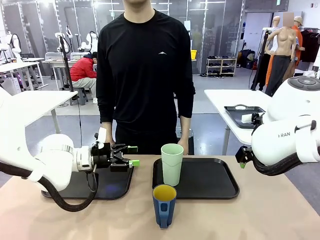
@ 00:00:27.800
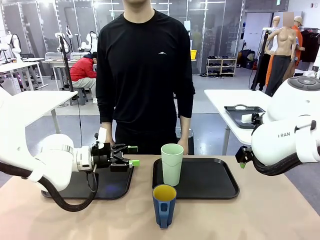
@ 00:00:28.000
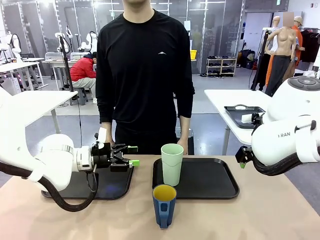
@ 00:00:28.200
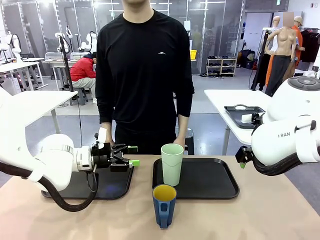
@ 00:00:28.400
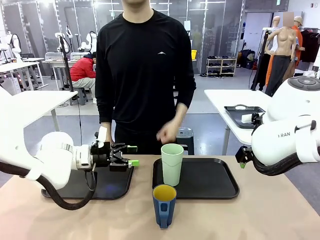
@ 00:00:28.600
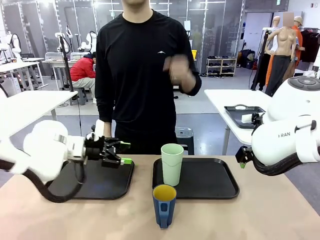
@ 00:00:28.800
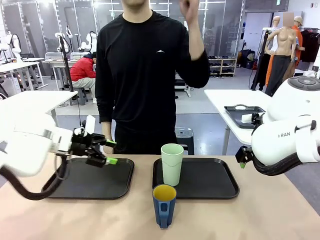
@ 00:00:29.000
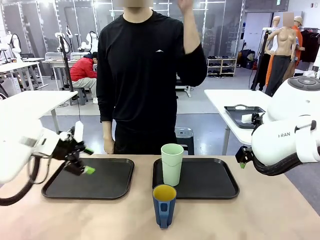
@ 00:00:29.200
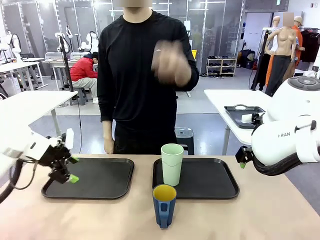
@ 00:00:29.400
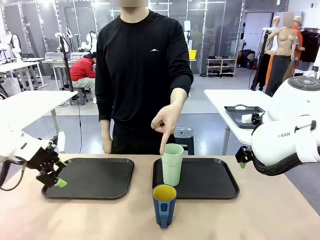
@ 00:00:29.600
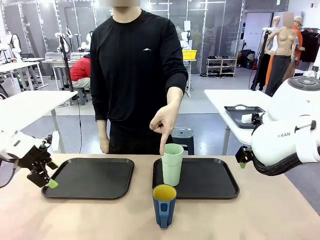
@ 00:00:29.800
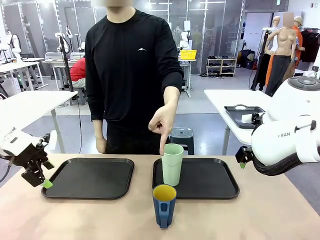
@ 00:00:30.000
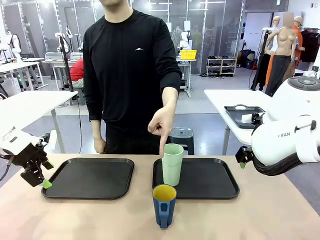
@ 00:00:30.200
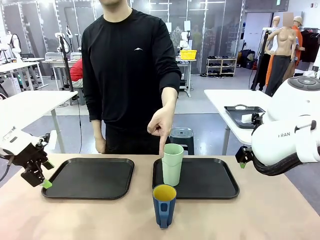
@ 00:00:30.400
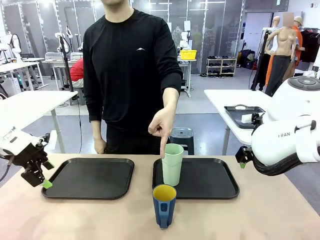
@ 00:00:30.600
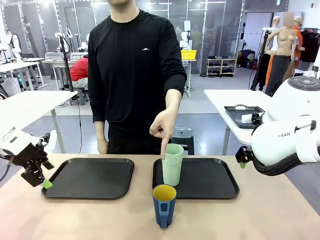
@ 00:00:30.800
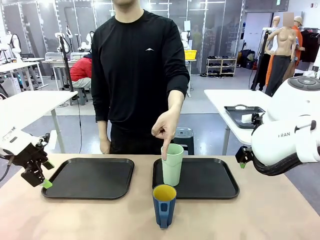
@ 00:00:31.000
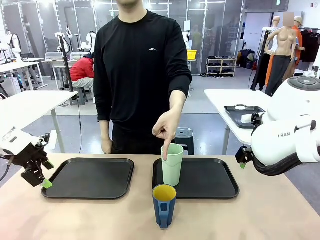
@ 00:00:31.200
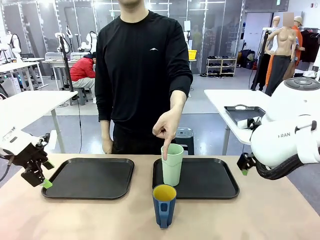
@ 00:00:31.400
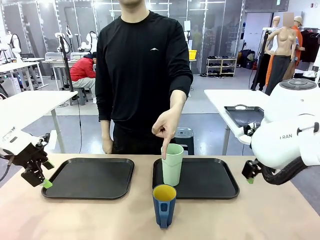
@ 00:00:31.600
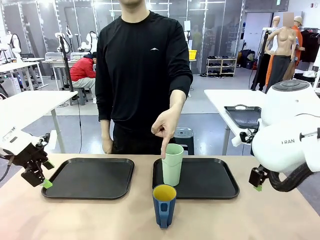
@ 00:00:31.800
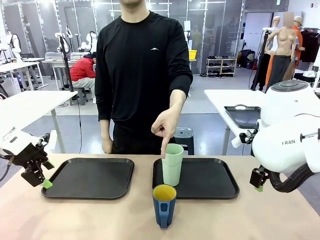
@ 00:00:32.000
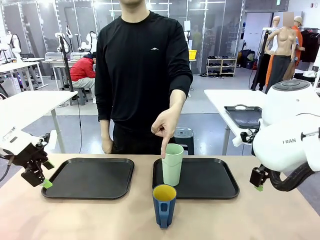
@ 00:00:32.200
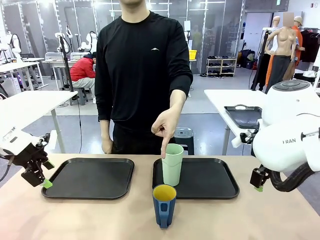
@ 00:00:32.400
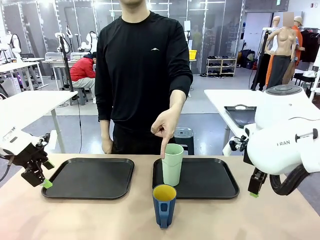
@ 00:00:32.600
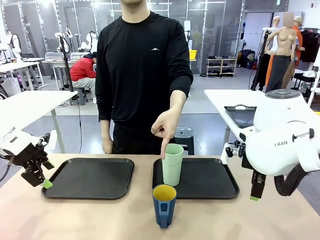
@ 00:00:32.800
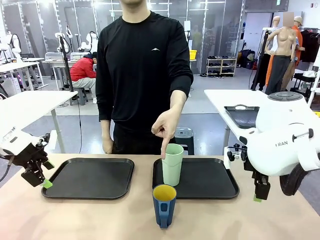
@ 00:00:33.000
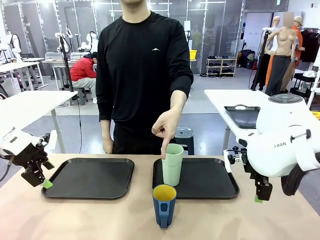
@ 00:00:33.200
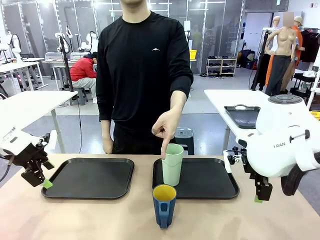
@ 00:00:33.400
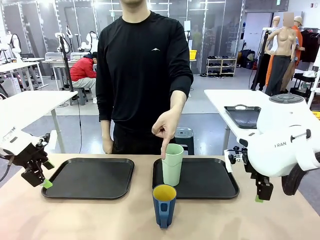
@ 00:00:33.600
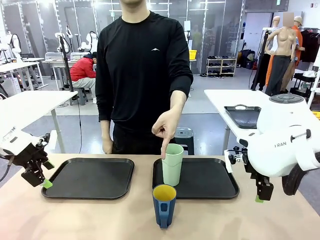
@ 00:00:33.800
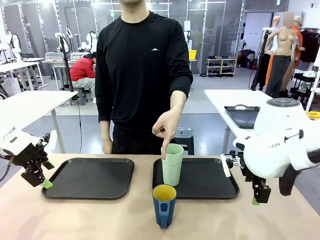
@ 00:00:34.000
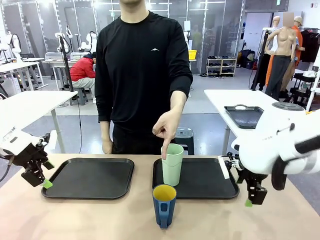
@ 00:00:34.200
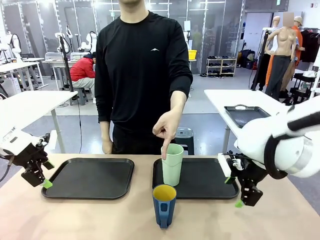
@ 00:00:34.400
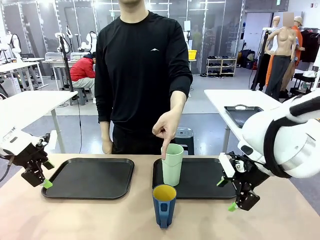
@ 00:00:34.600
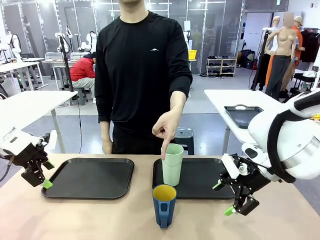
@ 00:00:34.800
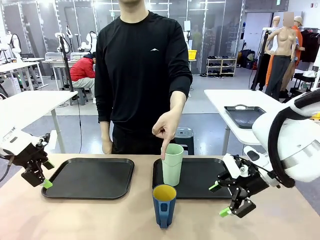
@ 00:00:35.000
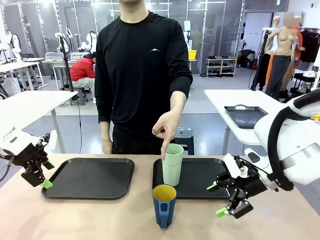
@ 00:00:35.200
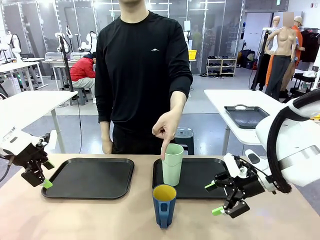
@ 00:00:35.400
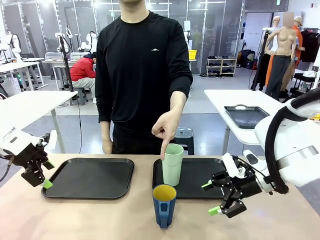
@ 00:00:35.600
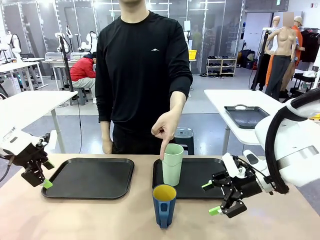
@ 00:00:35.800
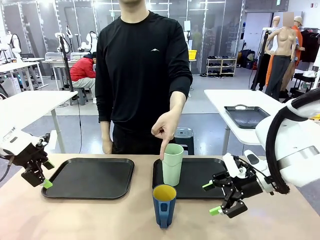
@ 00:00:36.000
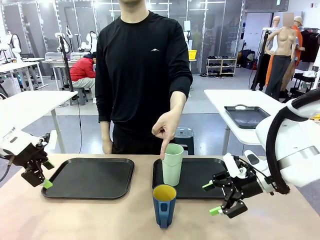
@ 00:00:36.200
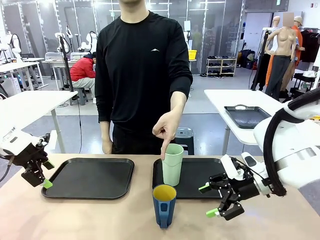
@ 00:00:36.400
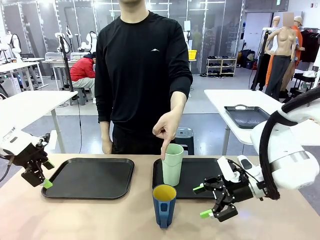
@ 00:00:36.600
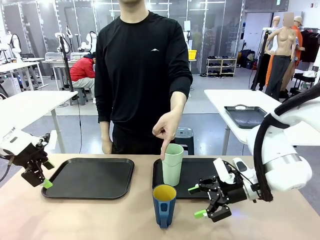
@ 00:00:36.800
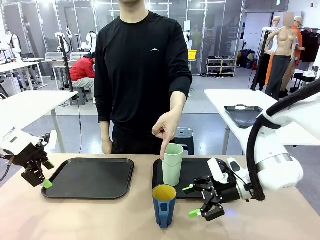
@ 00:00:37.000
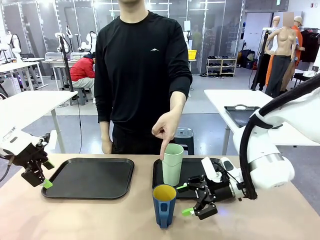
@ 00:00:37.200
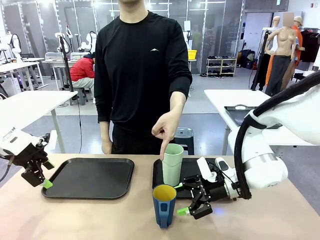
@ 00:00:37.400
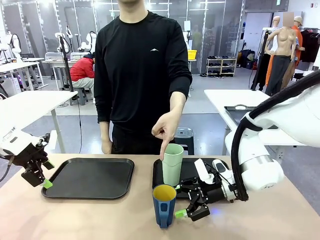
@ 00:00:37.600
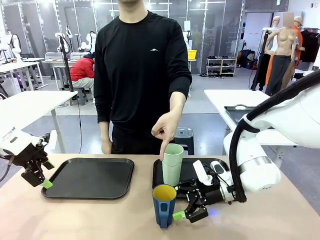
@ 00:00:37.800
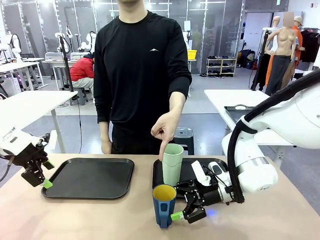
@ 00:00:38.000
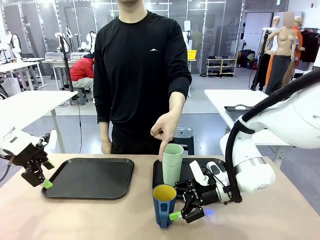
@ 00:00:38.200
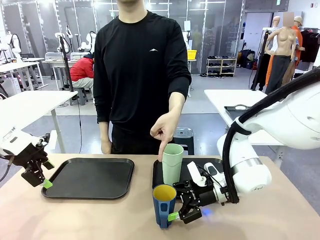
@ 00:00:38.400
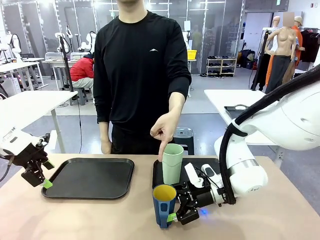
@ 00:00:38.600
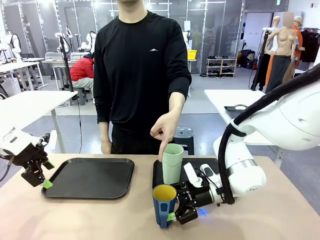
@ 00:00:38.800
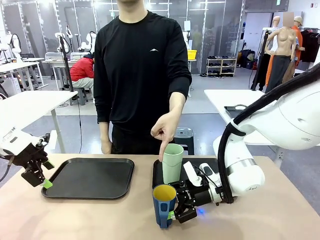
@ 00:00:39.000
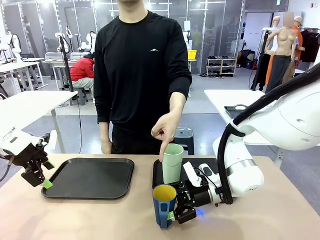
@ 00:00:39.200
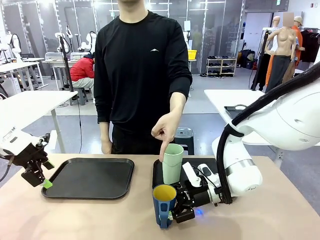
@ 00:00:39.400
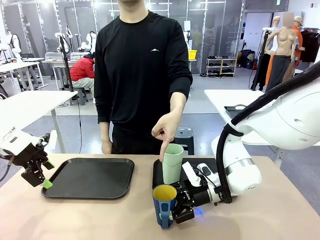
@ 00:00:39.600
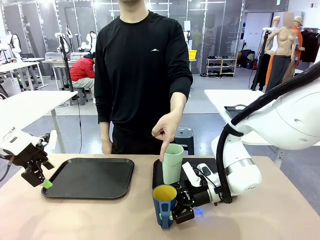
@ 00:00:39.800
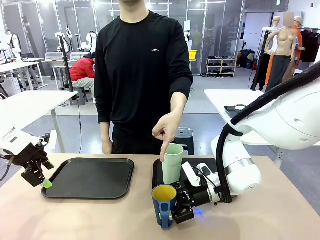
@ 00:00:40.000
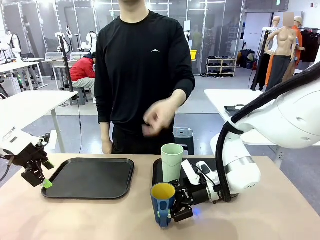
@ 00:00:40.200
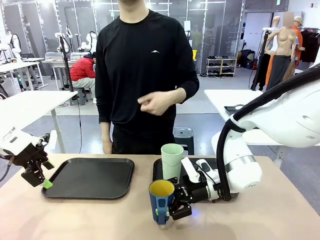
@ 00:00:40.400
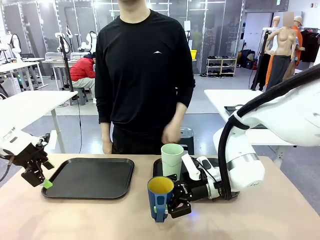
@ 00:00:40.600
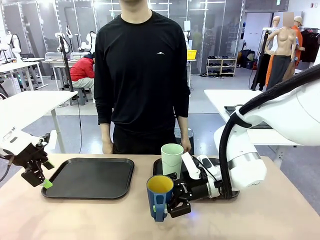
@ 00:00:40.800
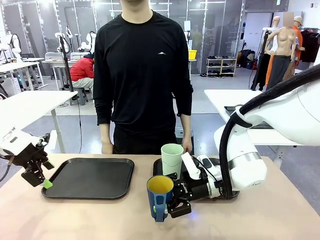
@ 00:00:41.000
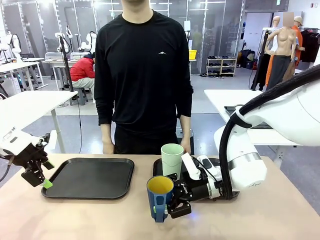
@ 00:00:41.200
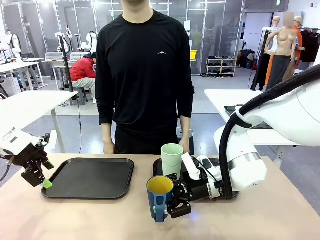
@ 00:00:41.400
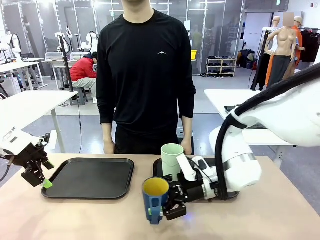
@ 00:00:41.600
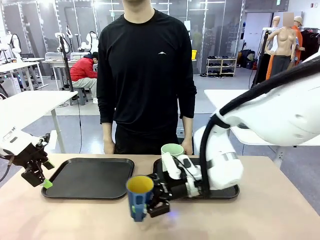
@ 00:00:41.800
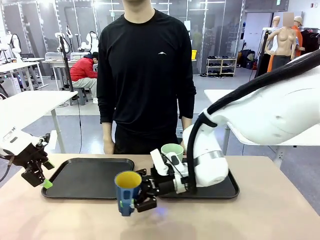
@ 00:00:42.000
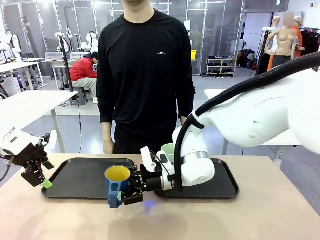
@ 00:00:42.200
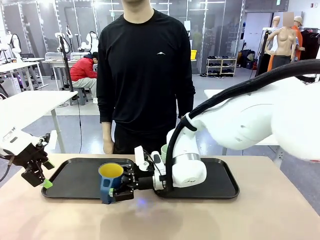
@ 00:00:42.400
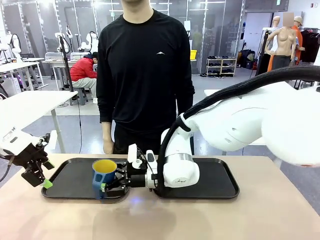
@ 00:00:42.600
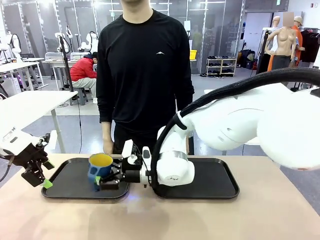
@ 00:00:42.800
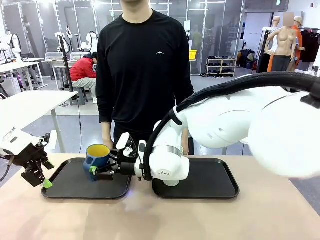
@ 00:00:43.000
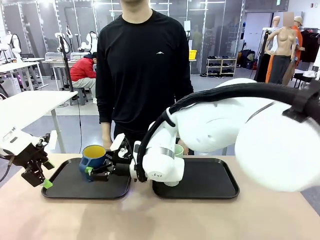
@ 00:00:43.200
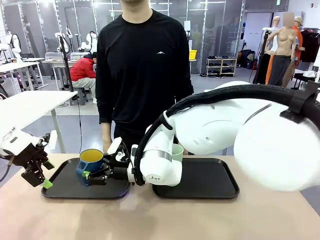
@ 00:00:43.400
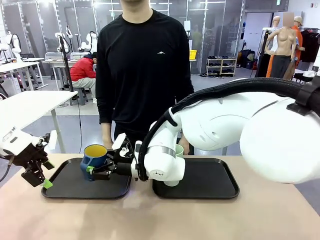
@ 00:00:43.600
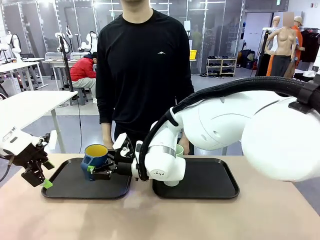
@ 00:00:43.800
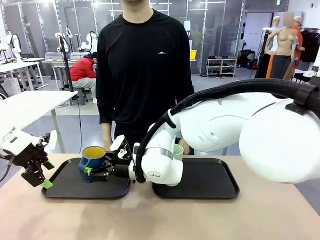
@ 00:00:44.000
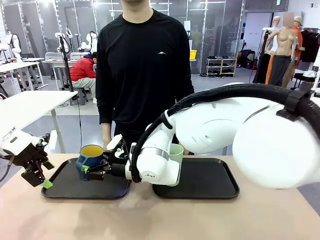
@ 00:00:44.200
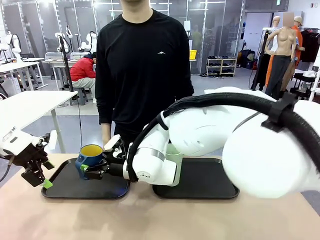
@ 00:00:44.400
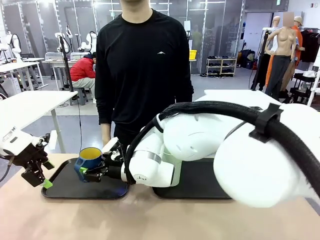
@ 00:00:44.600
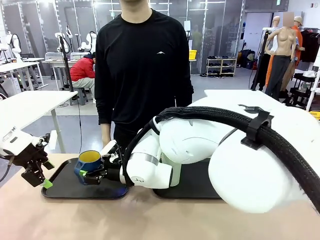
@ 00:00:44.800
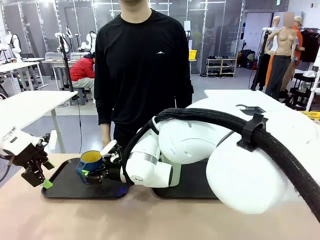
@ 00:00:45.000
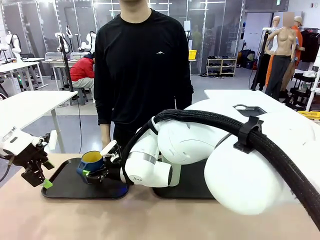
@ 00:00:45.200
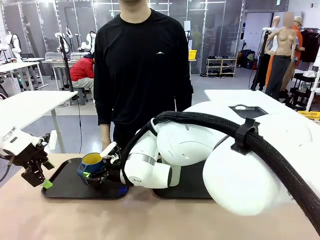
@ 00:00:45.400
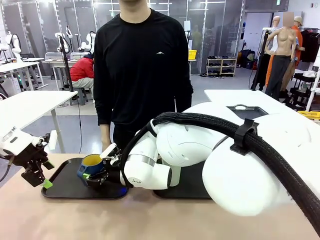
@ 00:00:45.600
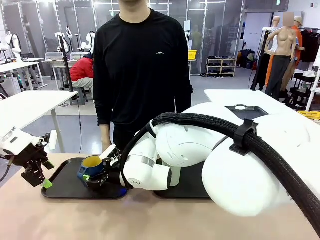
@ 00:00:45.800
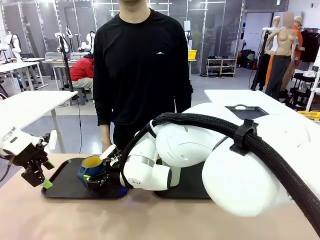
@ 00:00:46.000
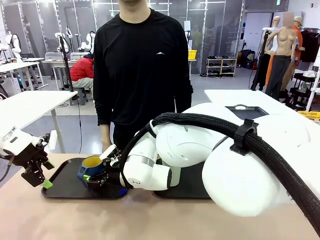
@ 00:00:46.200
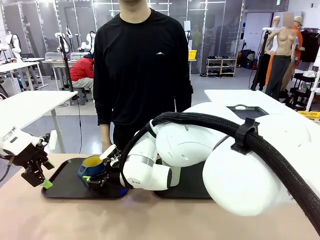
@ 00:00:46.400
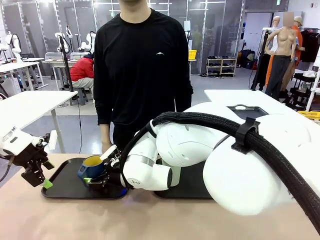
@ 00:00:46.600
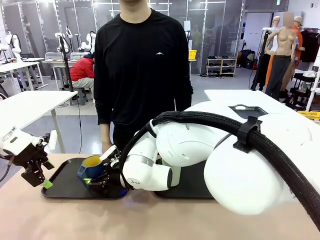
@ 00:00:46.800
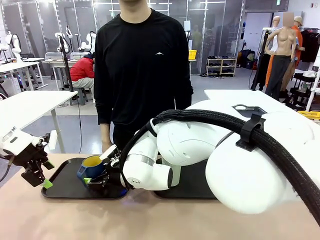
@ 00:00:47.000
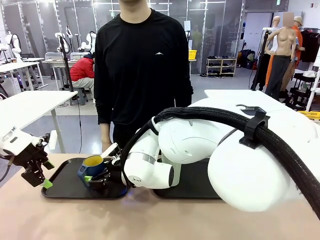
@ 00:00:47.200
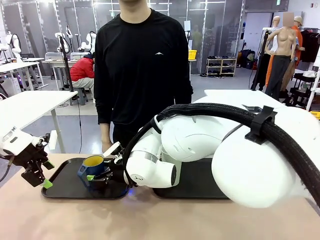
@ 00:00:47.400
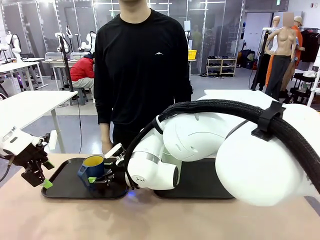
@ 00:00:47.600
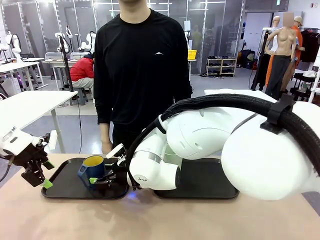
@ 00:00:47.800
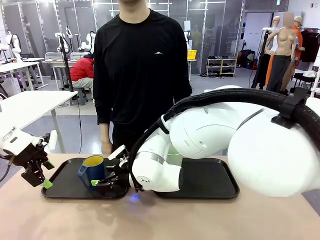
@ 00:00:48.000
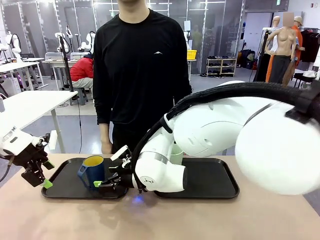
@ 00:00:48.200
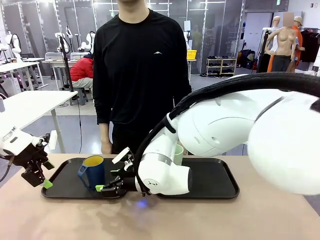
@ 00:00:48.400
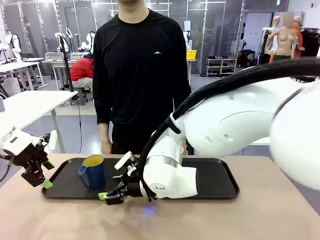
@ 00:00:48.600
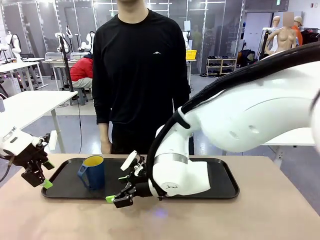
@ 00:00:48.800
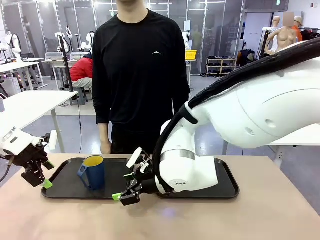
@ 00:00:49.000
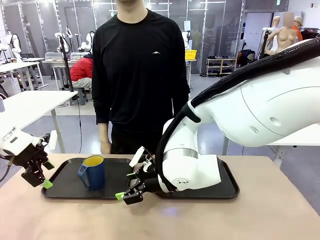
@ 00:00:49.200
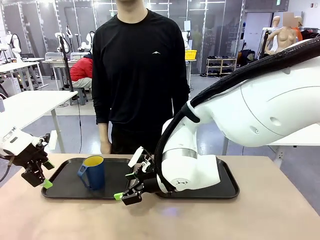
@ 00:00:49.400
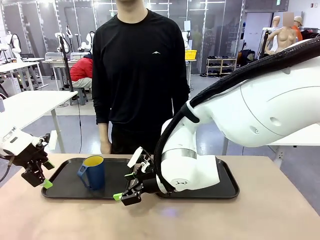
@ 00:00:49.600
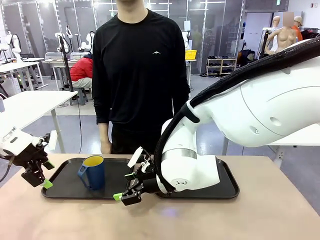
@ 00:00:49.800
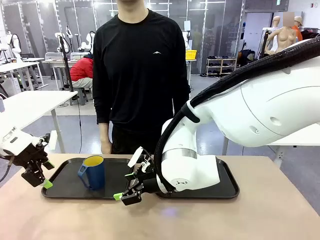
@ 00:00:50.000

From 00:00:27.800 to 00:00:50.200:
Task: Sort and store the cups by type.
Robot: Pick up the Handle plastic cup and place it into the empty Flat Tray.
Person: Points to the cup with a handle.
